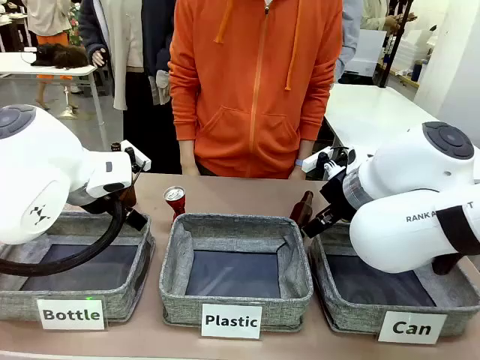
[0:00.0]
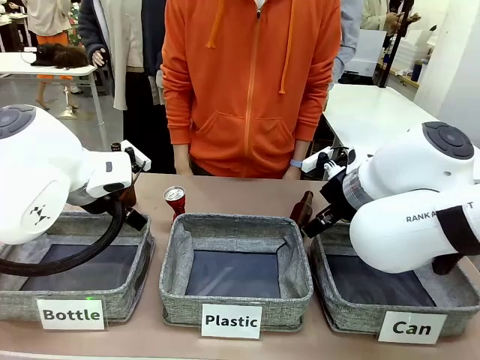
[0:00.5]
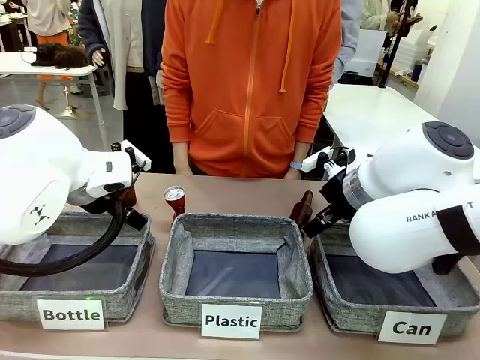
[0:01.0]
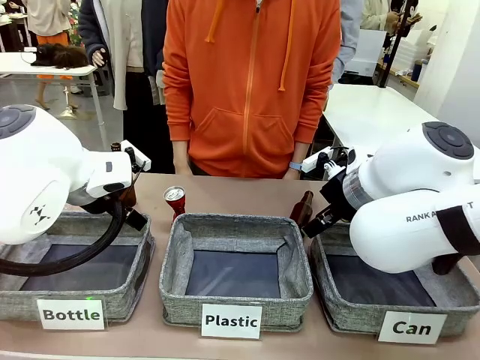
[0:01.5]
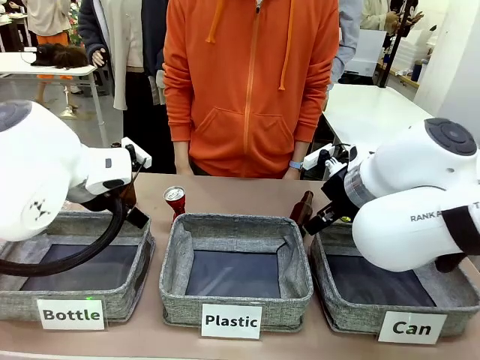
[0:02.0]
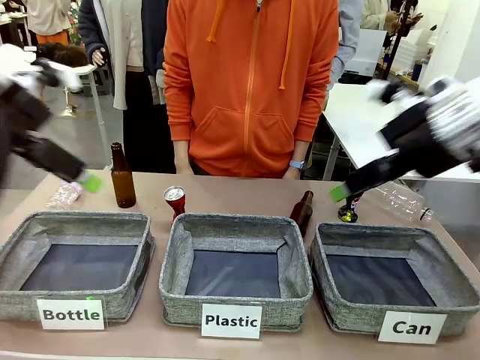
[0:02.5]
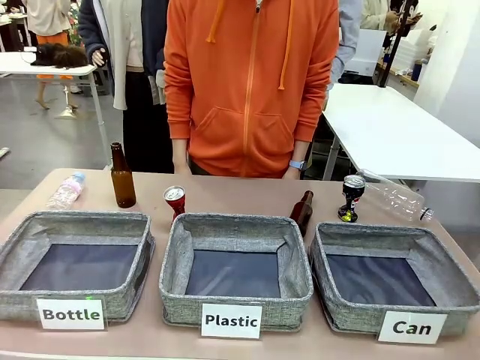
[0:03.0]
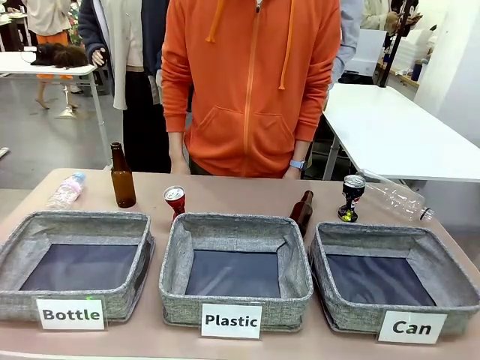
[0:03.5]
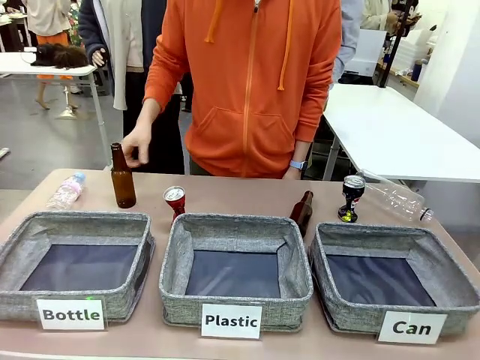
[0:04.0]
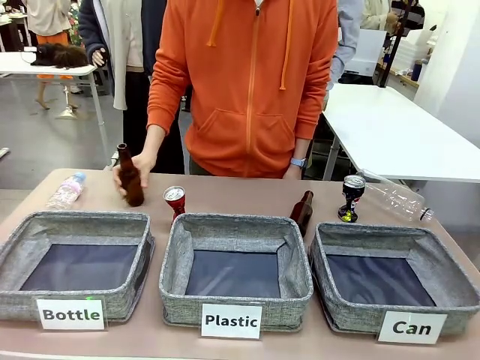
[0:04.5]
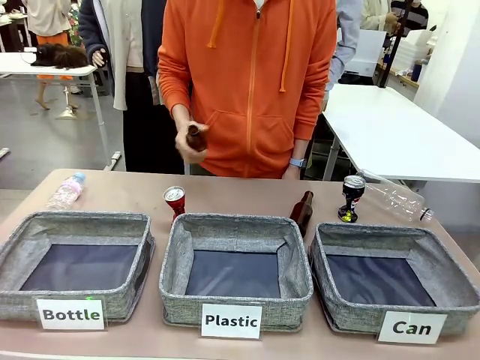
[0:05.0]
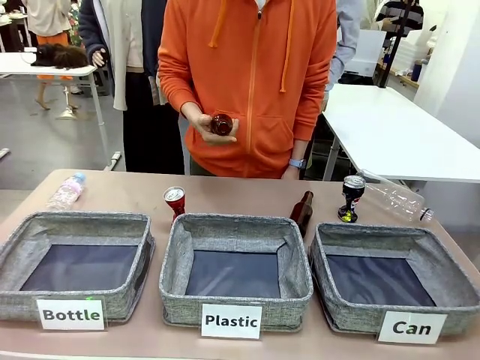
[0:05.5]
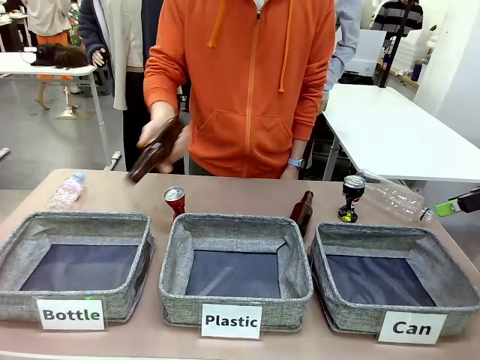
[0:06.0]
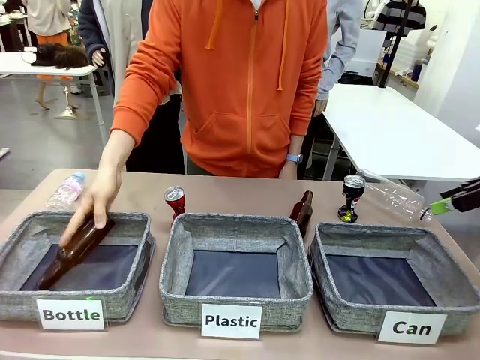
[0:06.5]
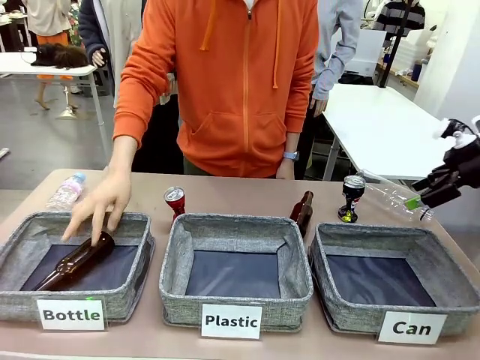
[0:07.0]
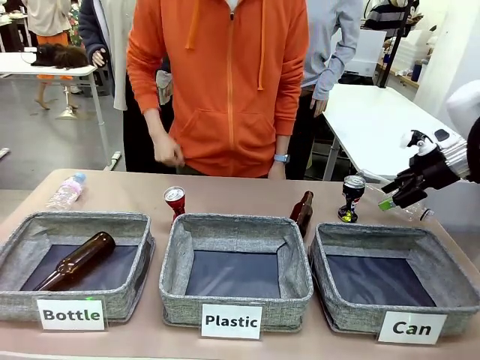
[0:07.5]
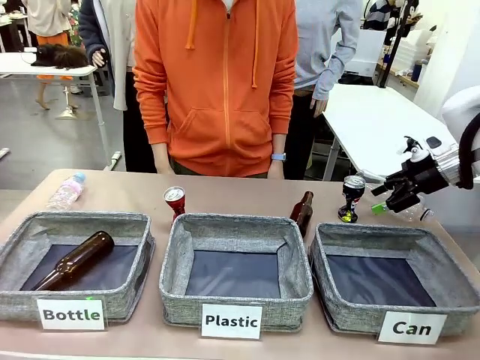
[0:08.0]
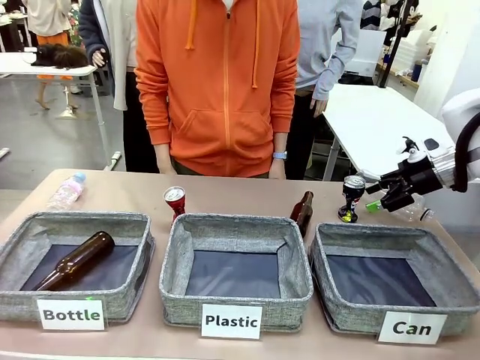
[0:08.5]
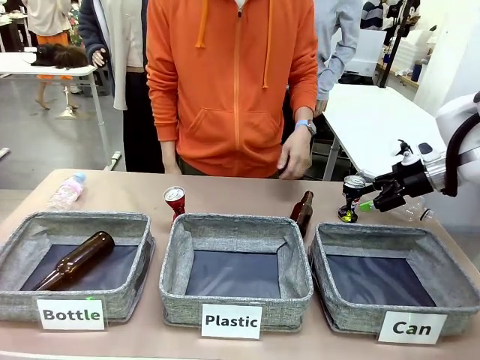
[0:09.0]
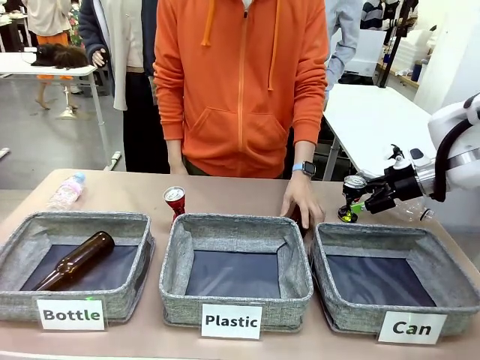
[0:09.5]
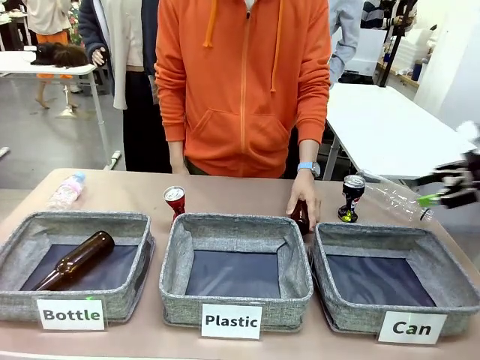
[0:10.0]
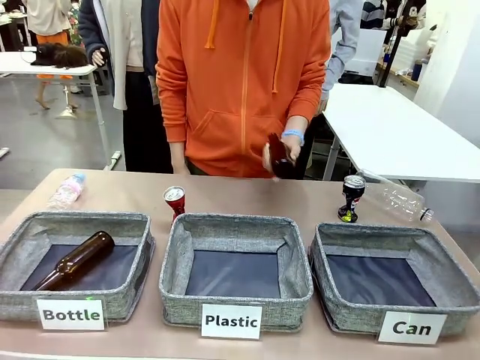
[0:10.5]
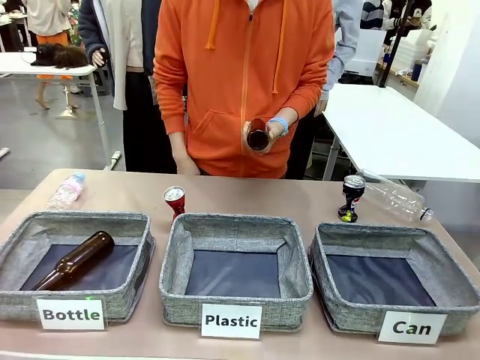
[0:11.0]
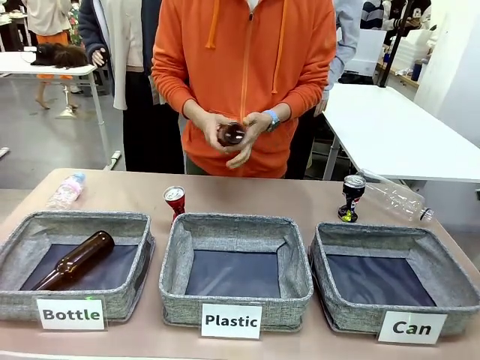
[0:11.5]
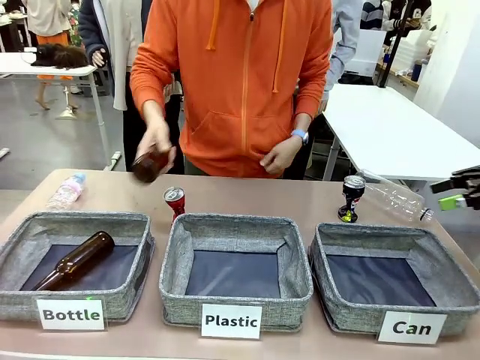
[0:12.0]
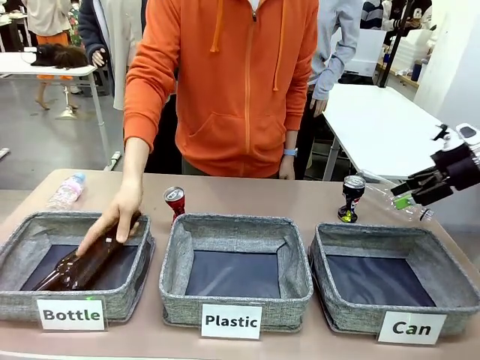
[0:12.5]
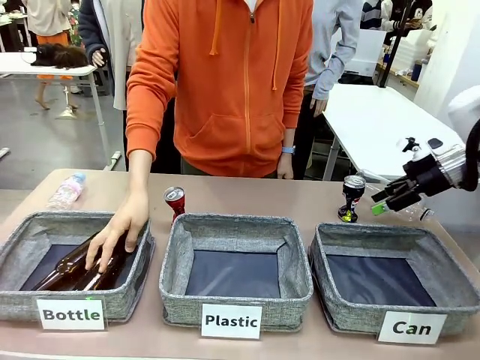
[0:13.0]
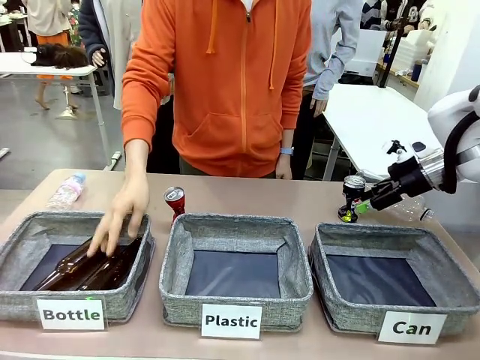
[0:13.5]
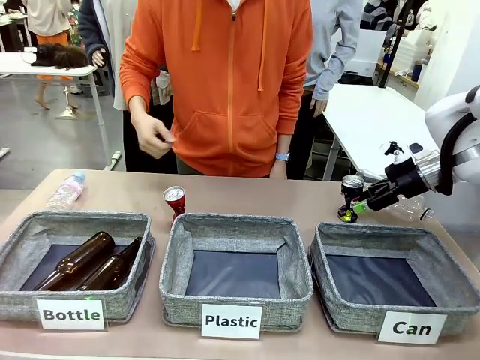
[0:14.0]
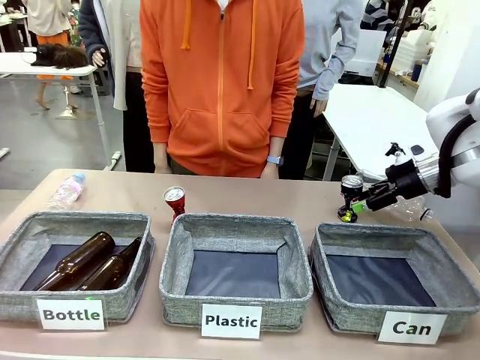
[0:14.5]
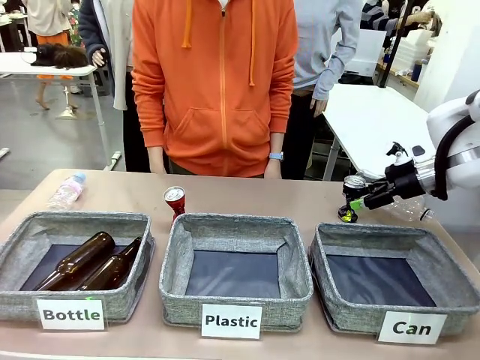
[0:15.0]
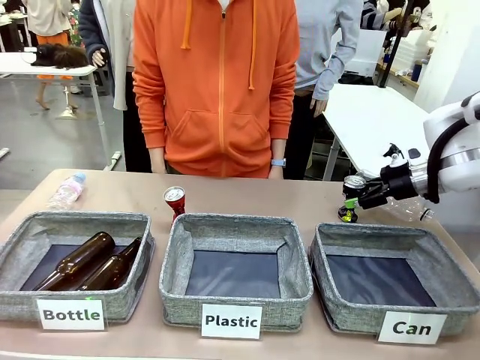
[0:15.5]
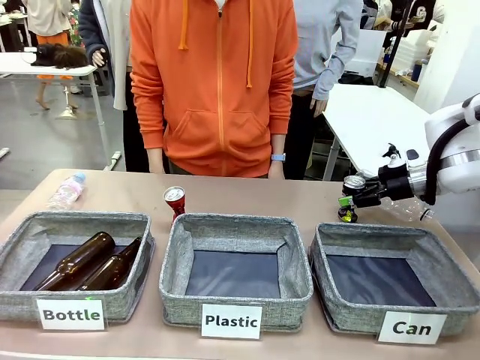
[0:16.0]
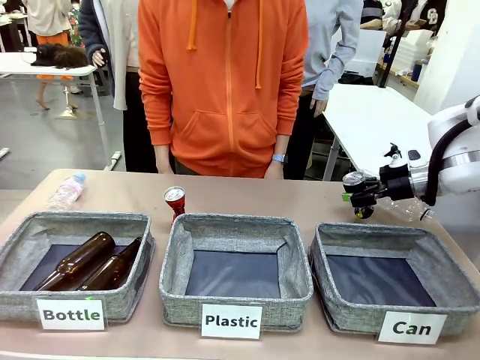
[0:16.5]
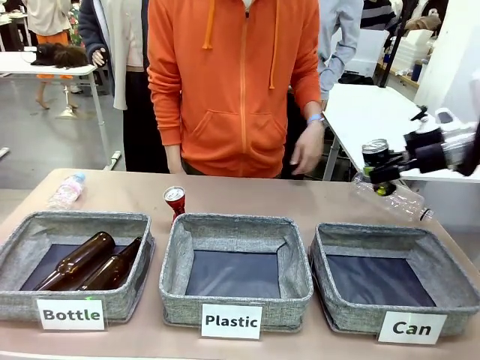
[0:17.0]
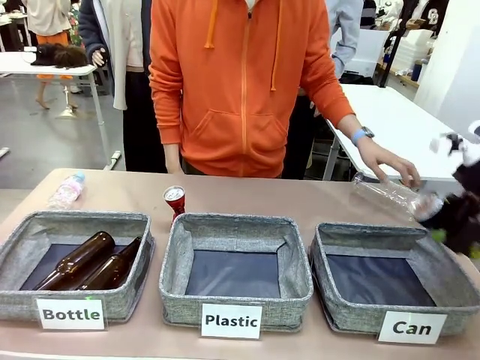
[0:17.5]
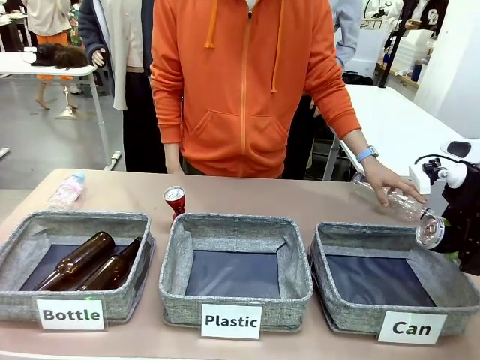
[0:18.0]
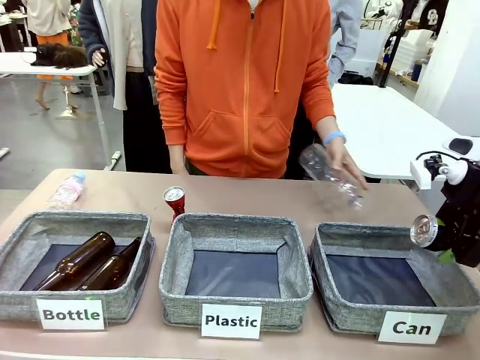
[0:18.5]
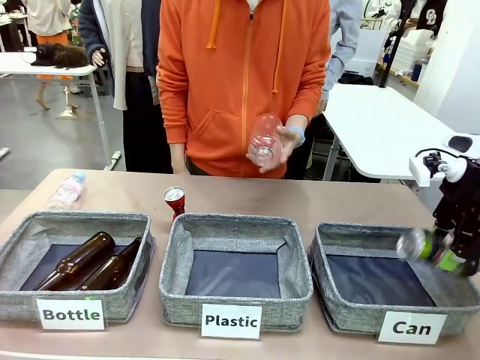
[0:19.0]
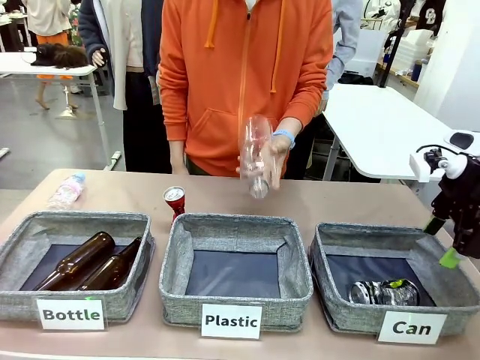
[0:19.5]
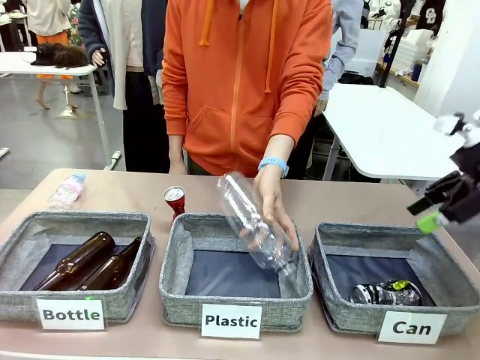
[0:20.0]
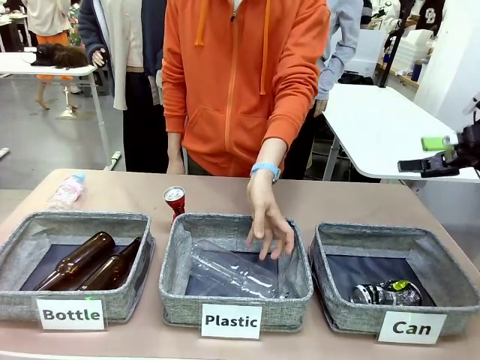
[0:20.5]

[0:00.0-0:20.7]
Task: Sort the can waste into the basket.
Robot: Pick up the can waste from the table and place it in the right Fabric basket.
